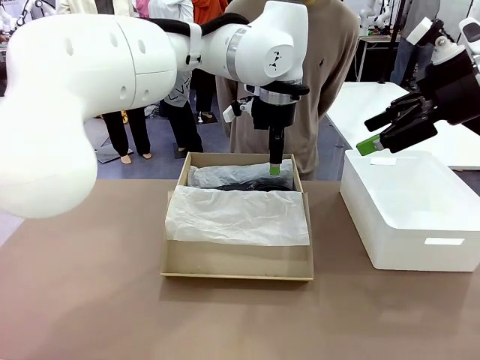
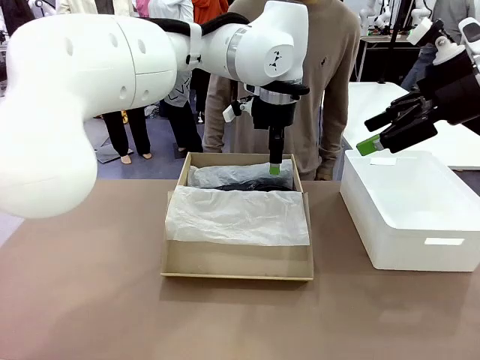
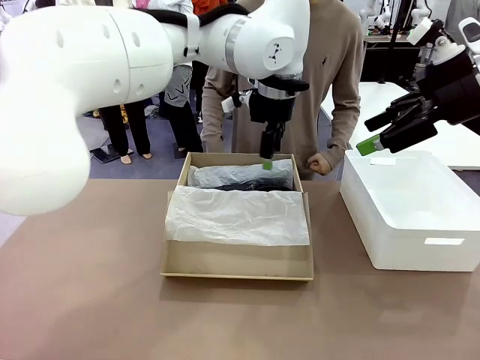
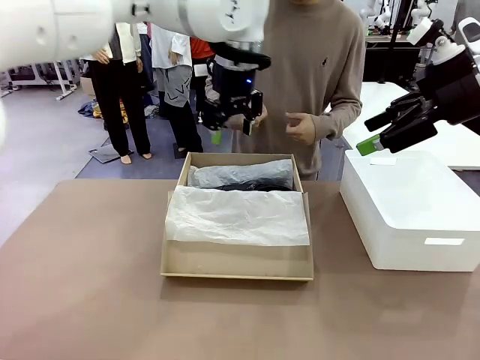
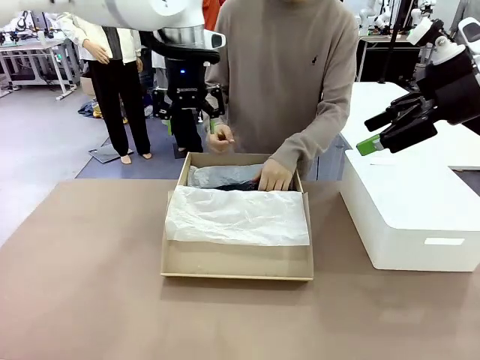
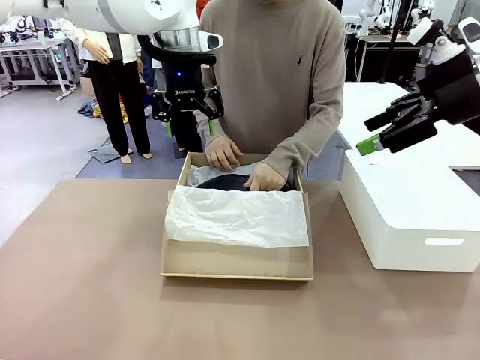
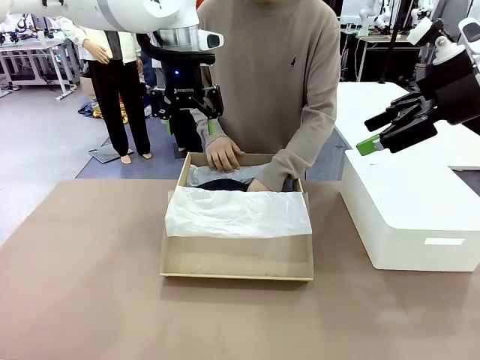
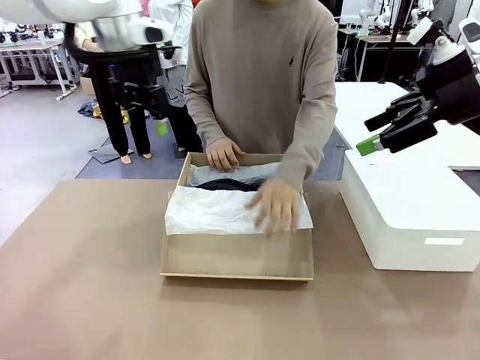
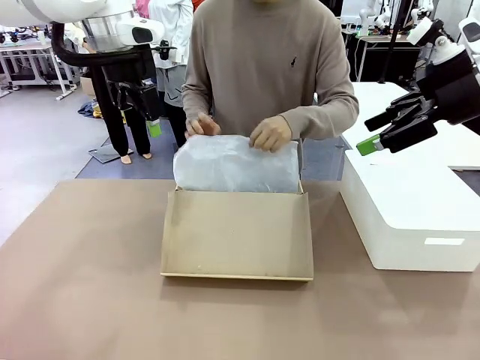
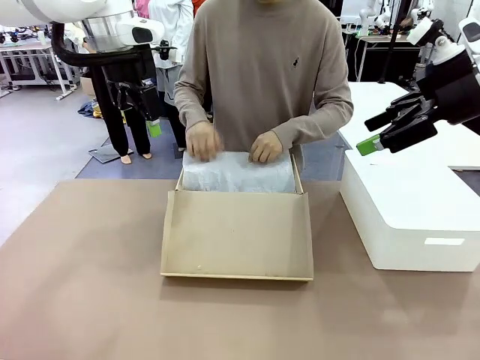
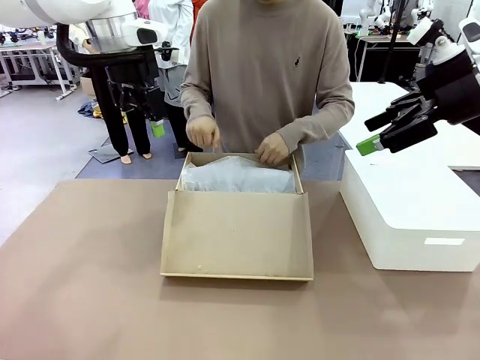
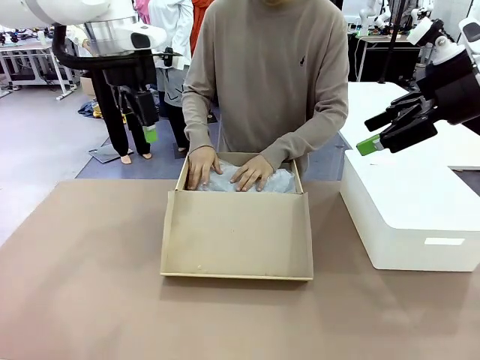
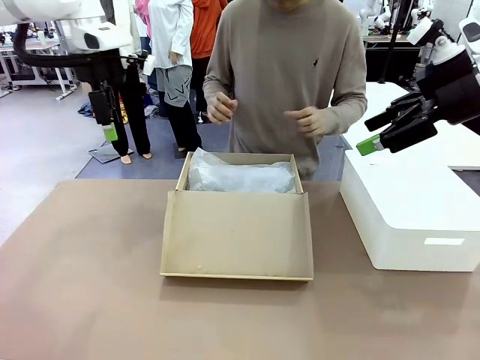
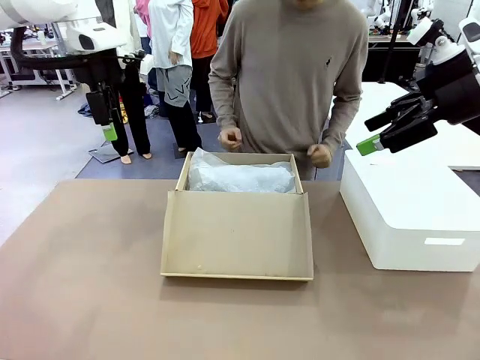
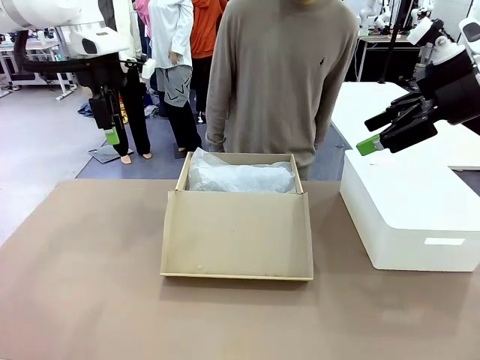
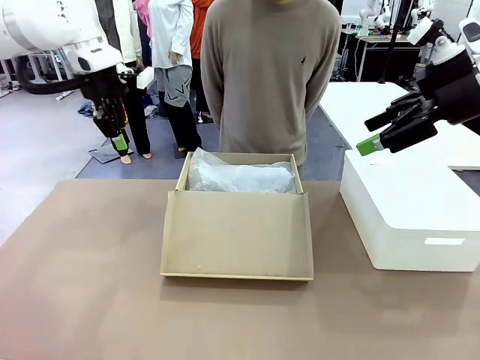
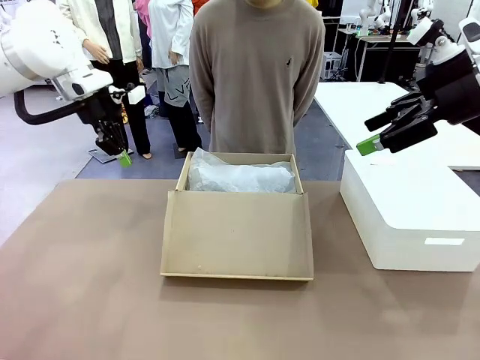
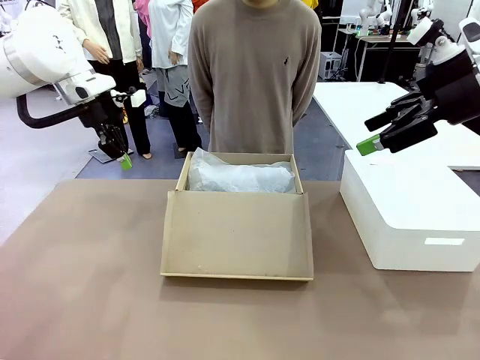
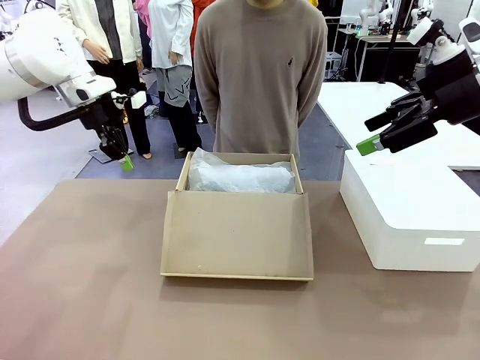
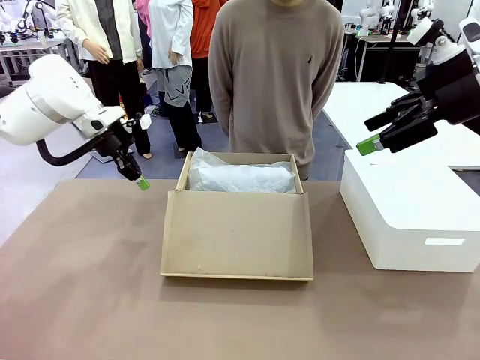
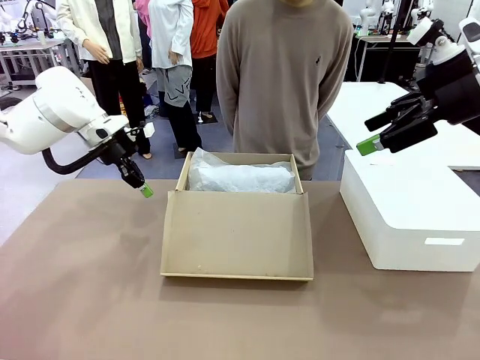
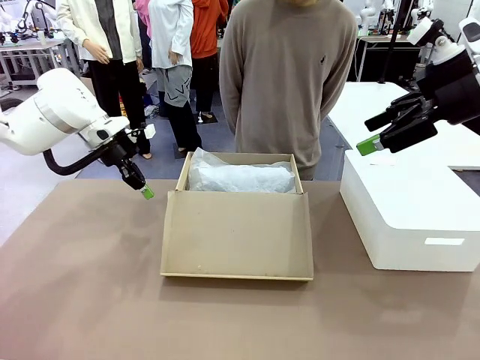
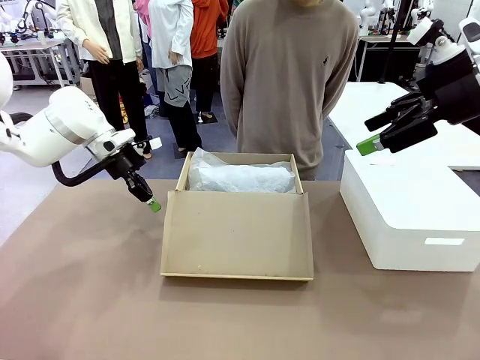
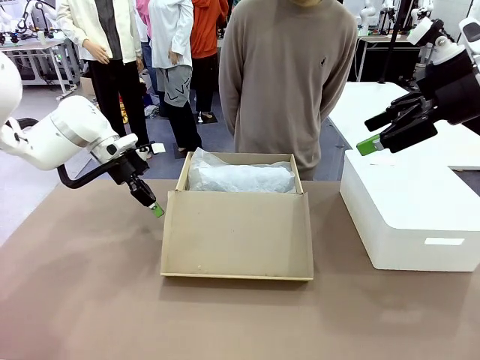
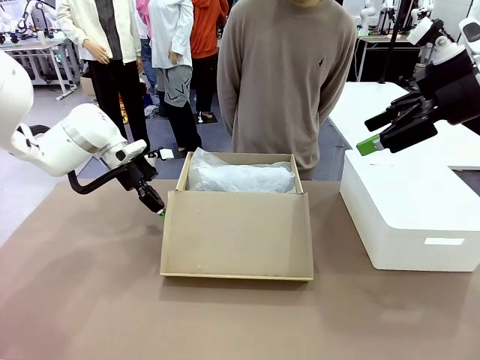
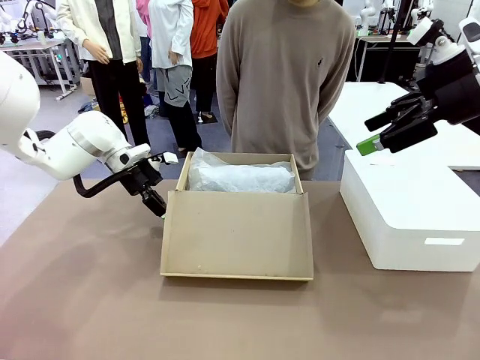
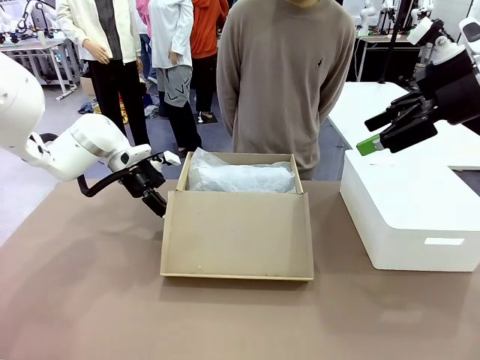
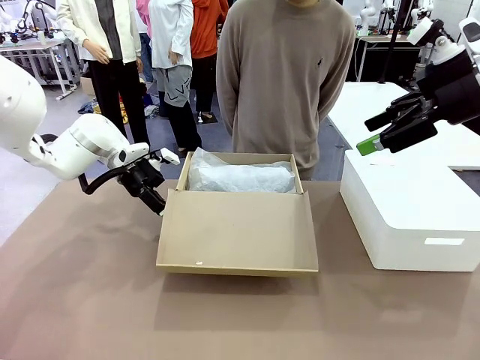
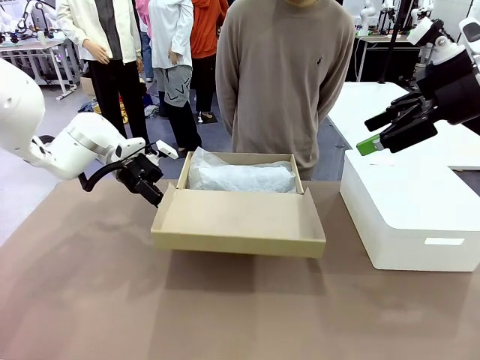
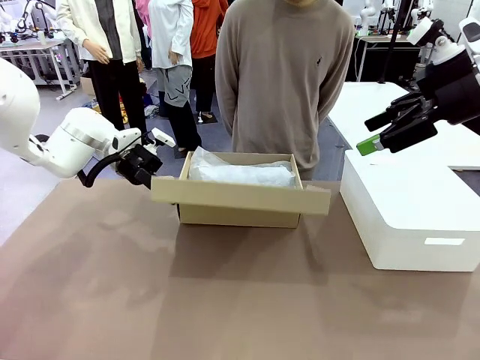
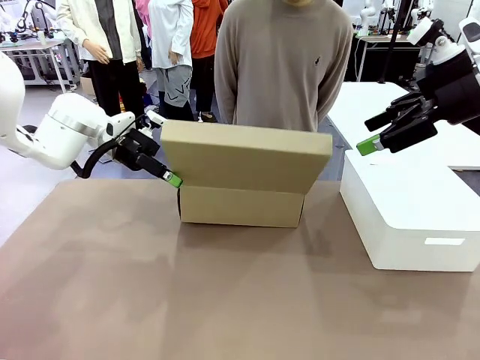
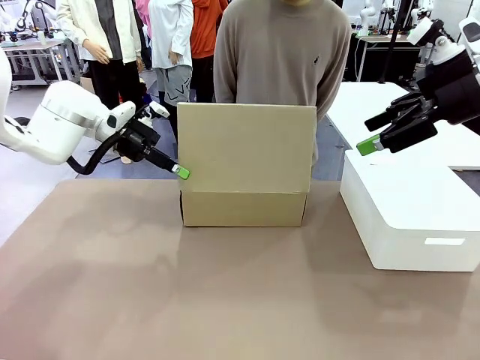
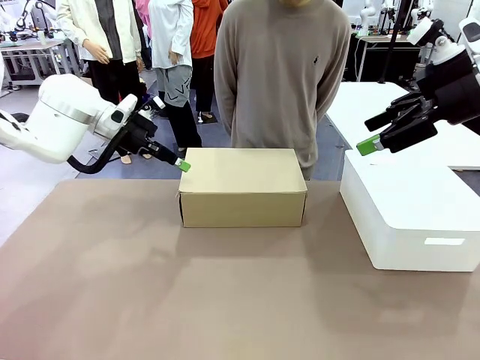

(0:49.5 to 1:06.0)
Task: Pack the shoes into the box.
Robot: Close the Shoes Box.

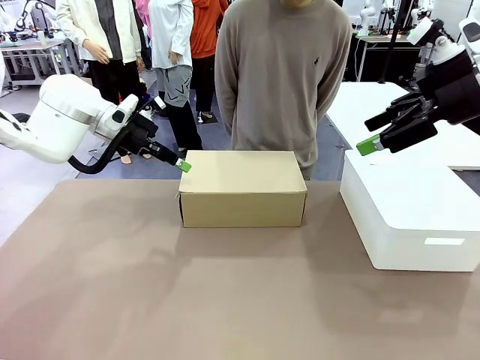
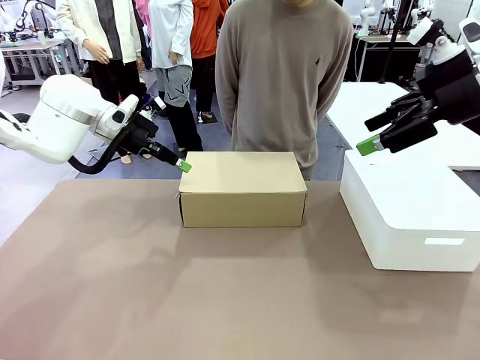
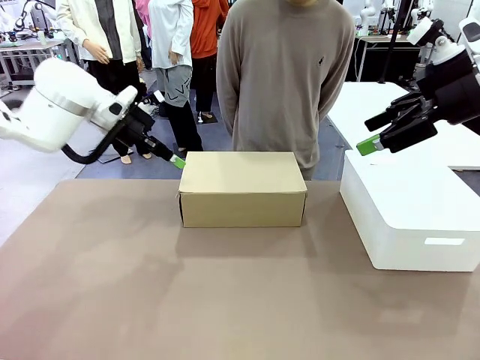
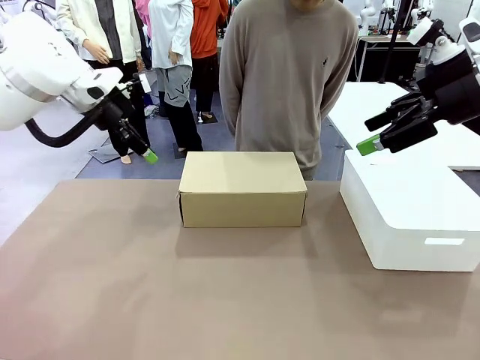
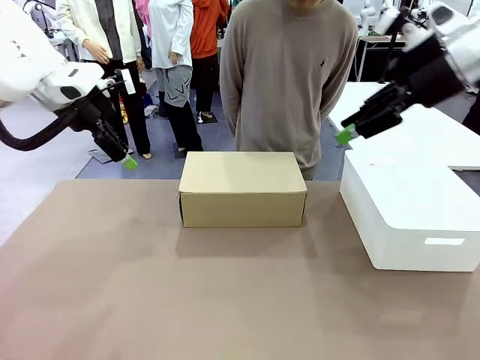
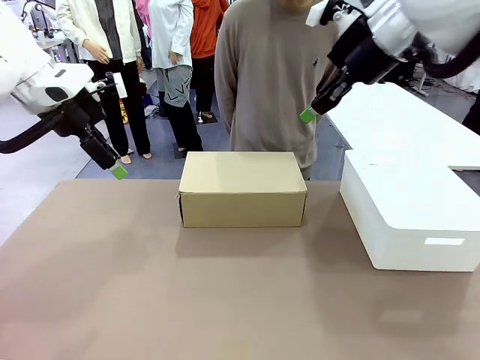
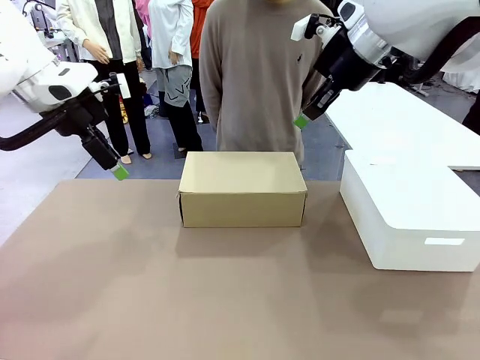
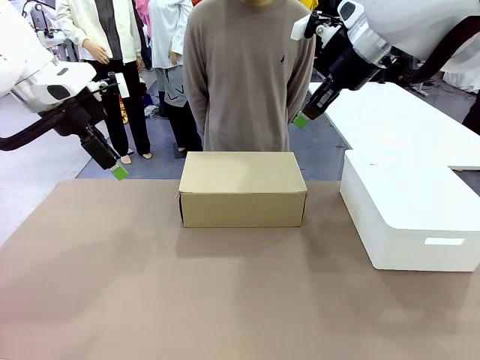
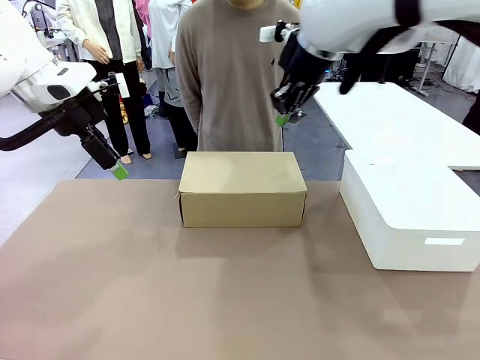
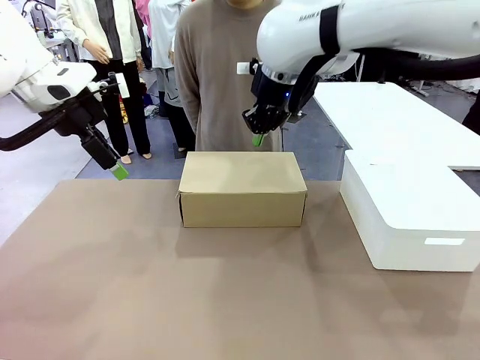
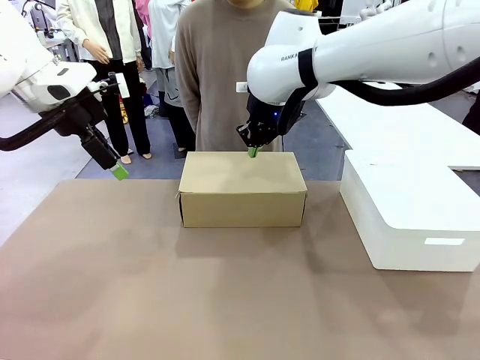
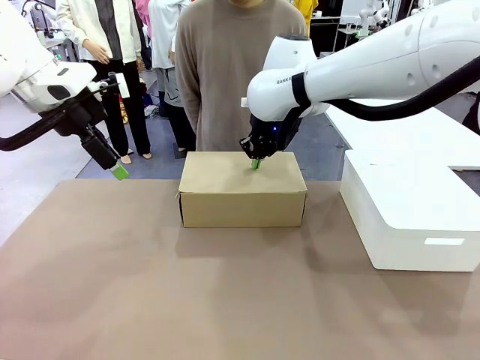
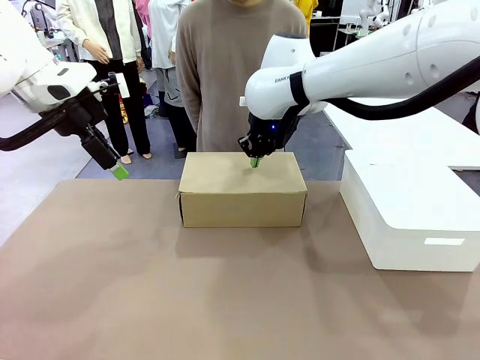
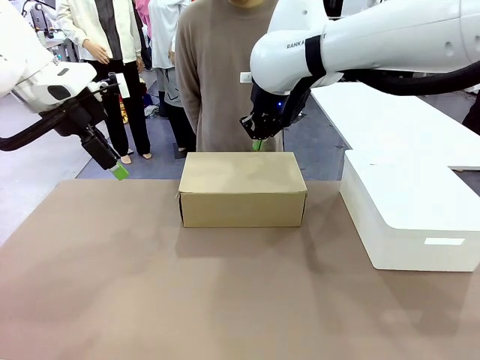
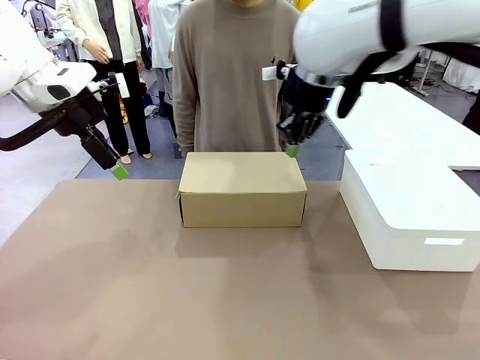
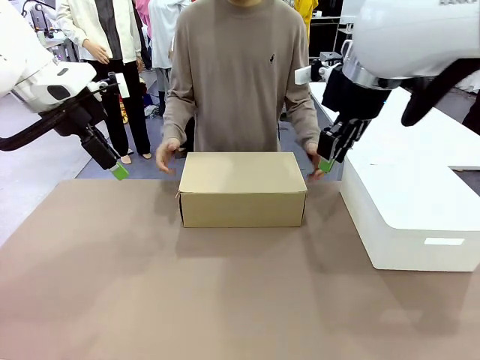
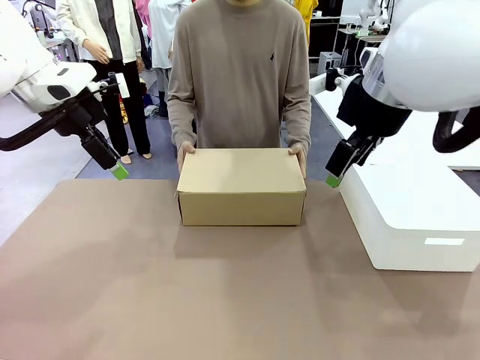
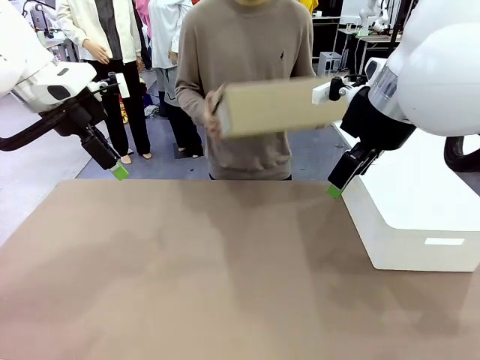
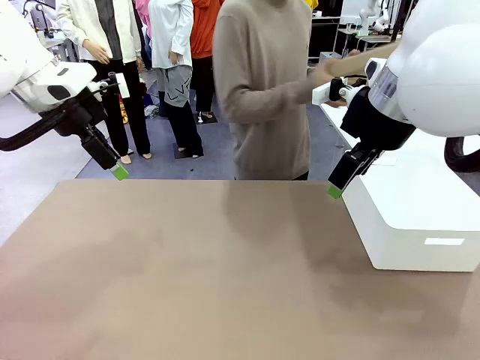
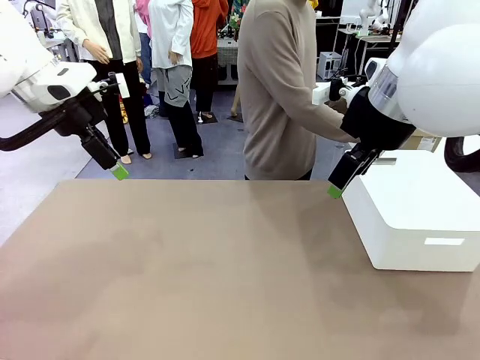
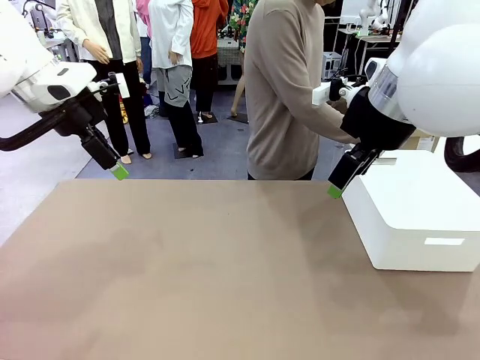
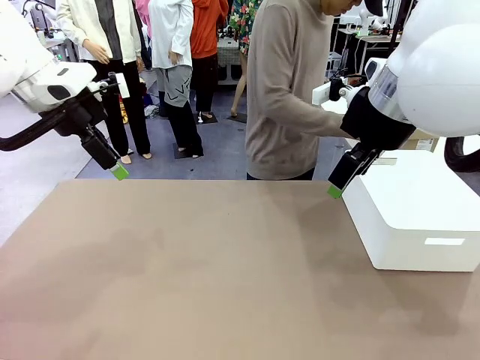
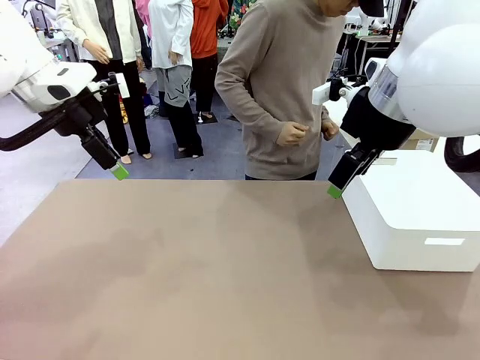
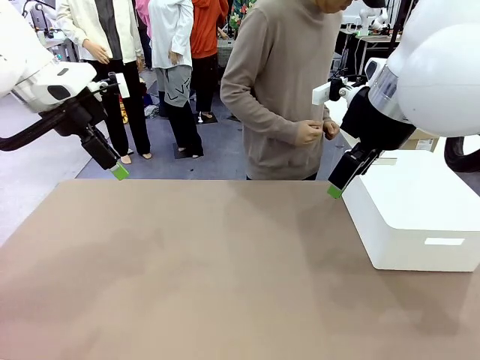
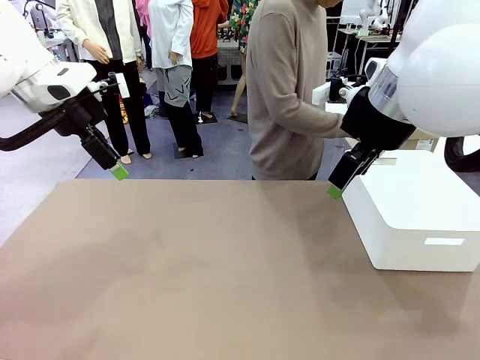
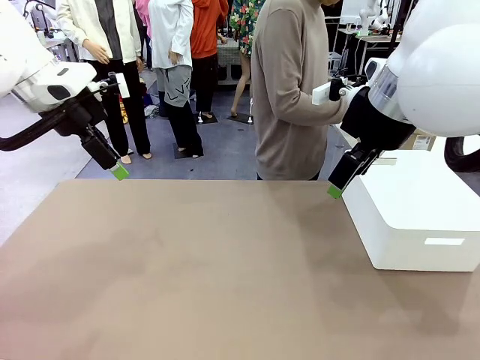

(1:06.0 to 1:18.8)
Robot: Press down on the lid of the Shoes Box.
Person: Place the closed Shoes Box to the right side of the human table.
